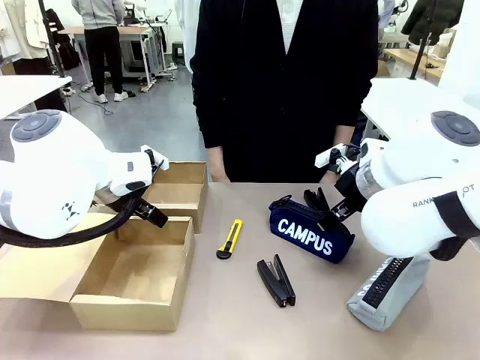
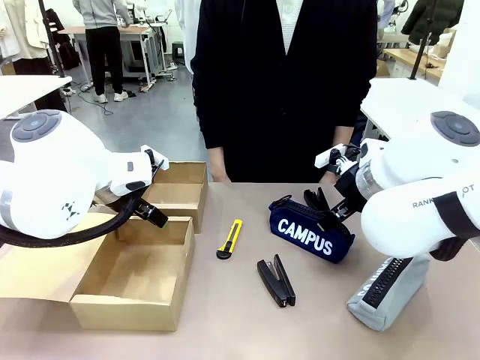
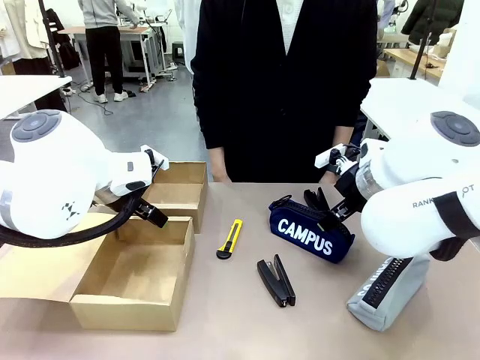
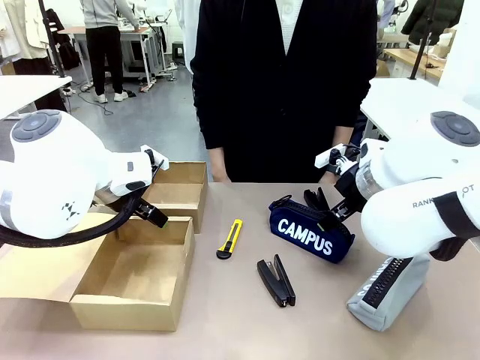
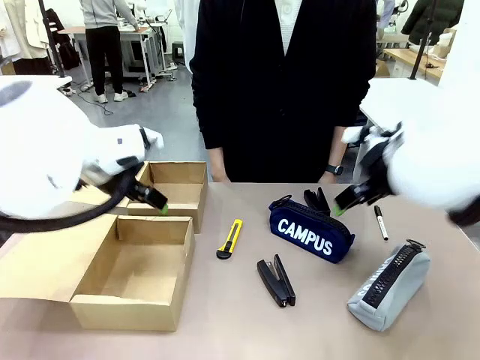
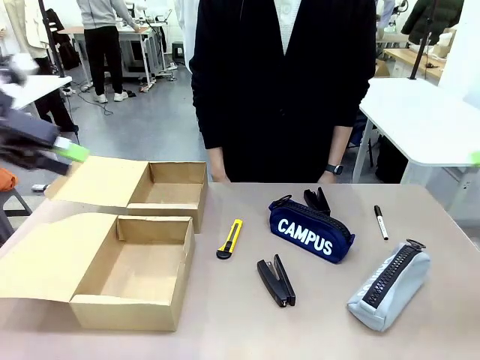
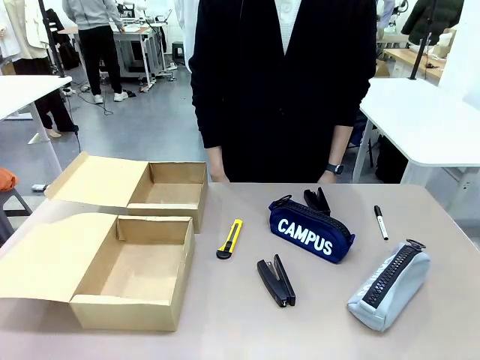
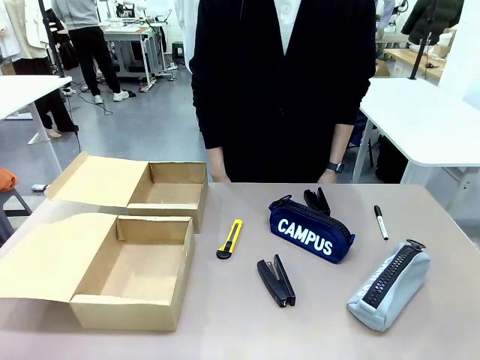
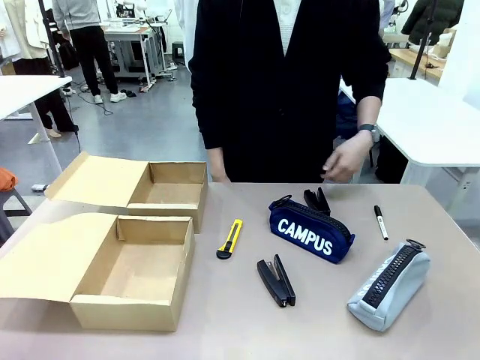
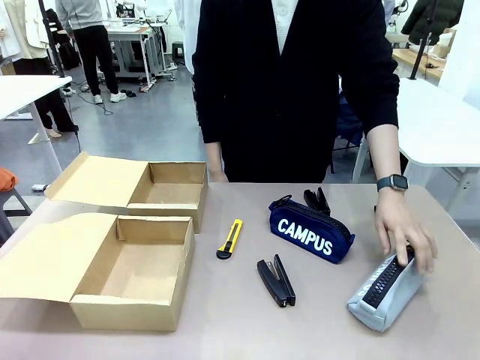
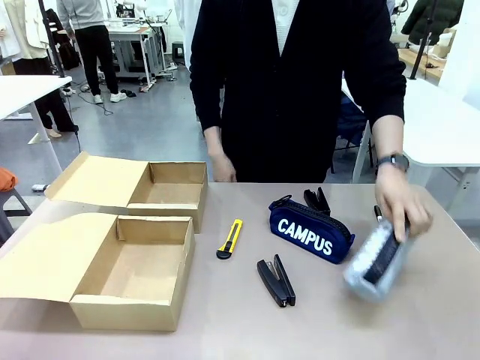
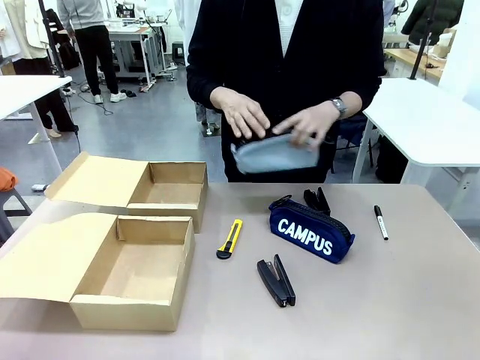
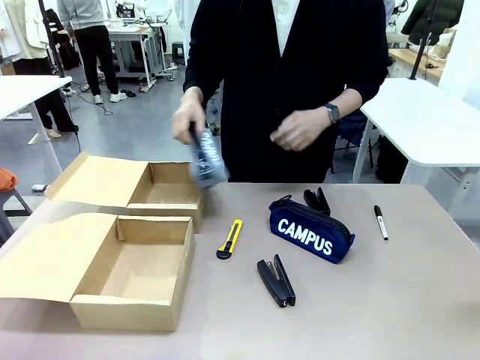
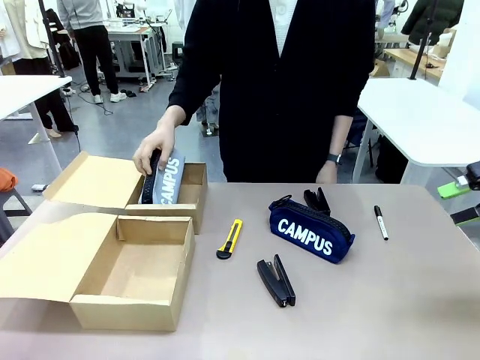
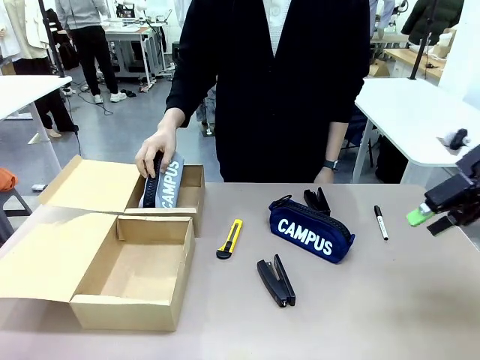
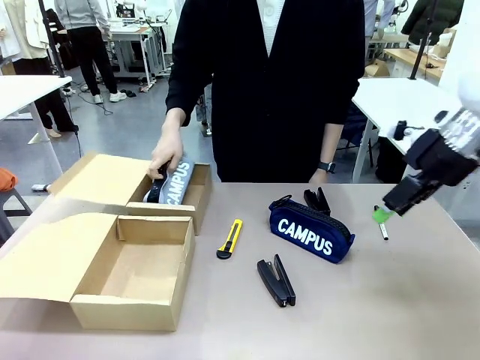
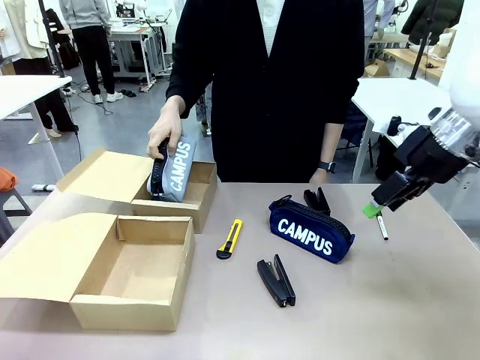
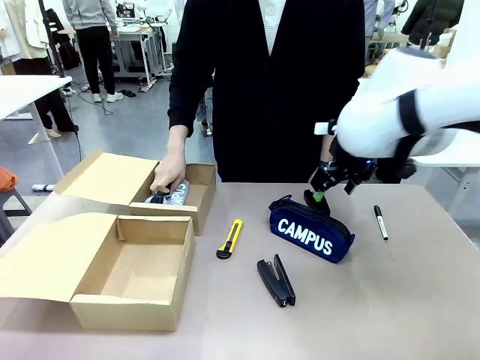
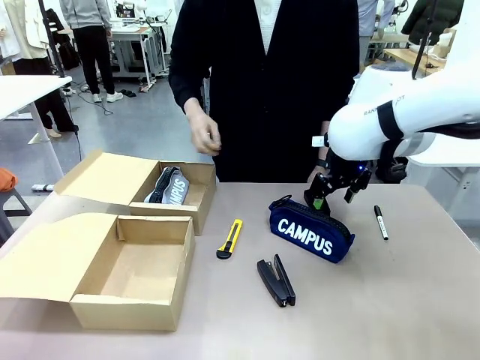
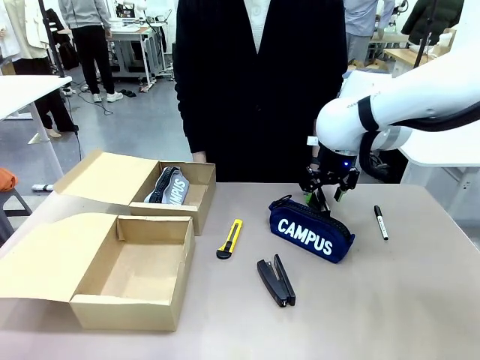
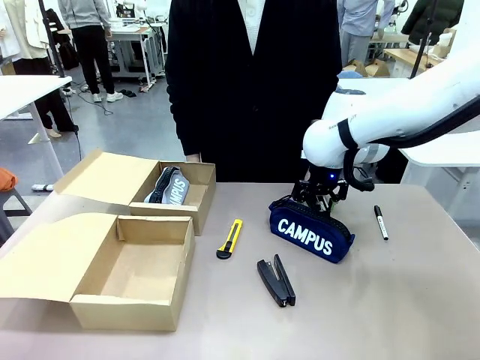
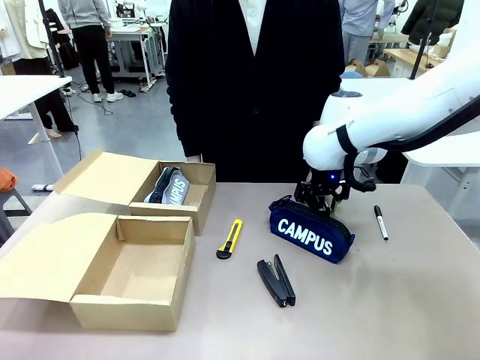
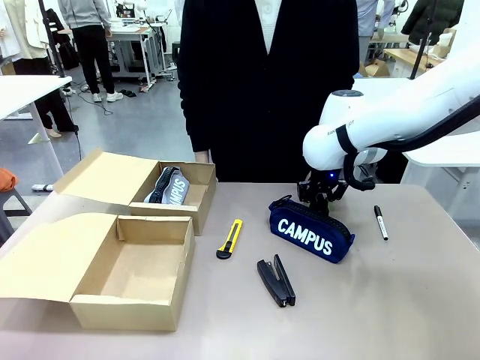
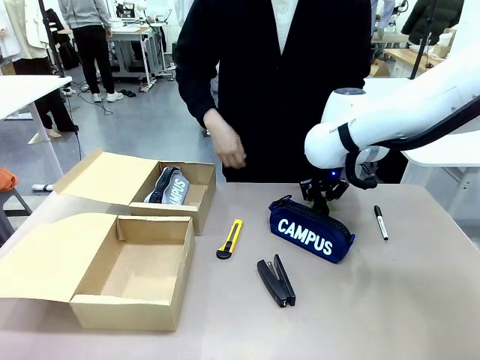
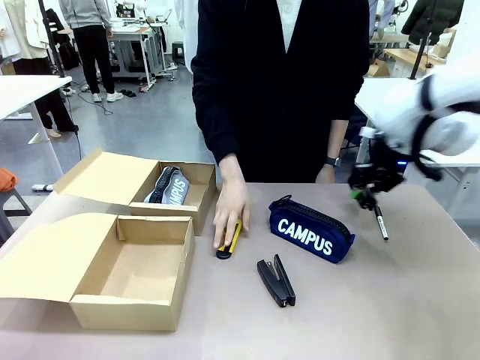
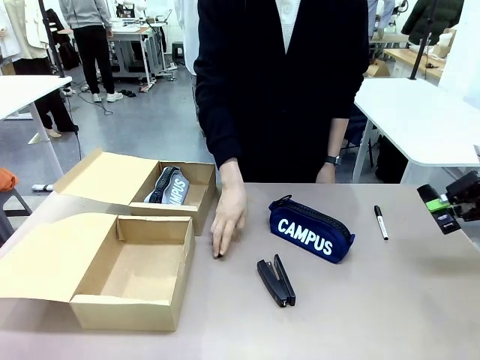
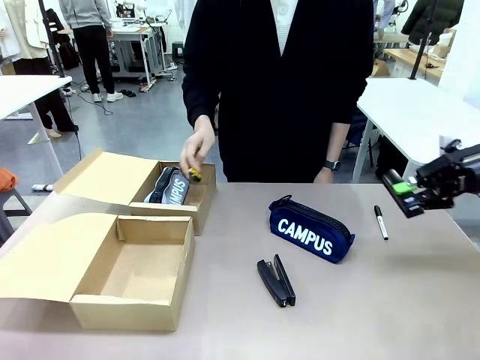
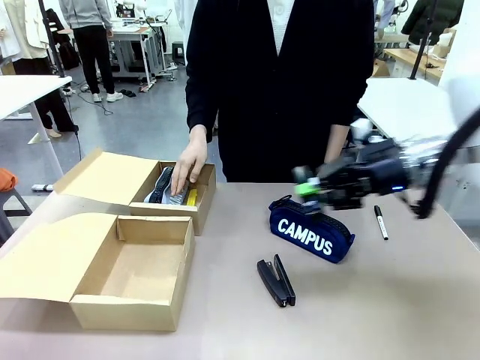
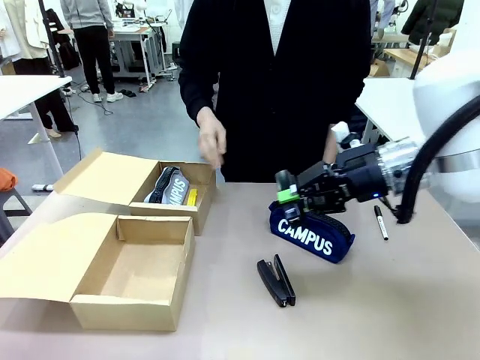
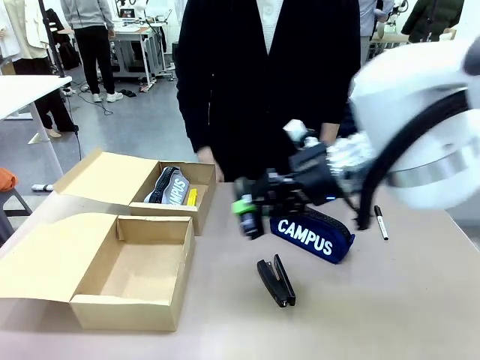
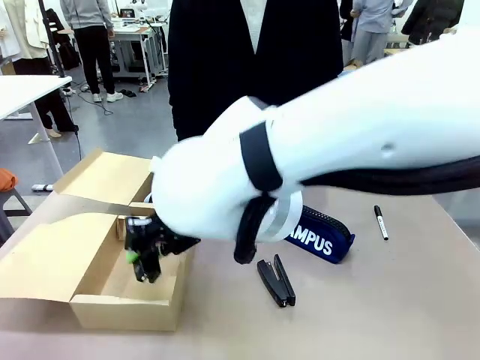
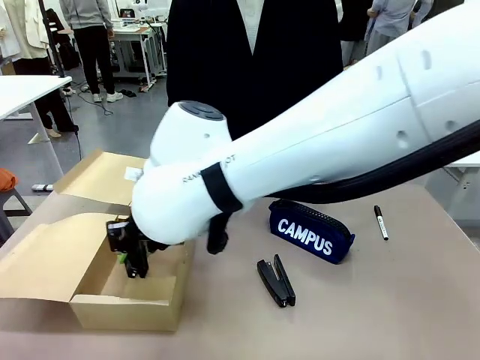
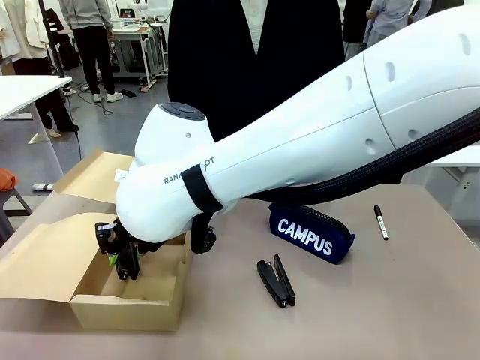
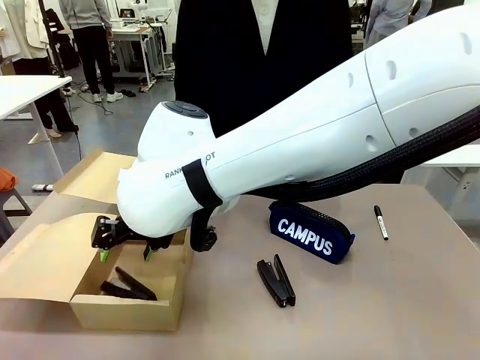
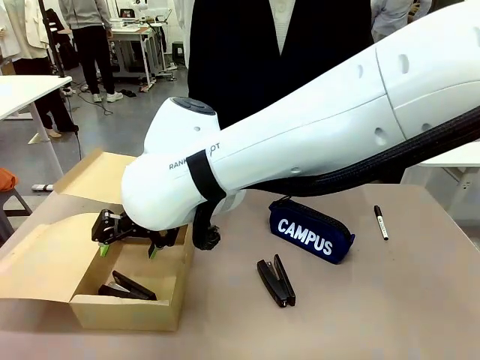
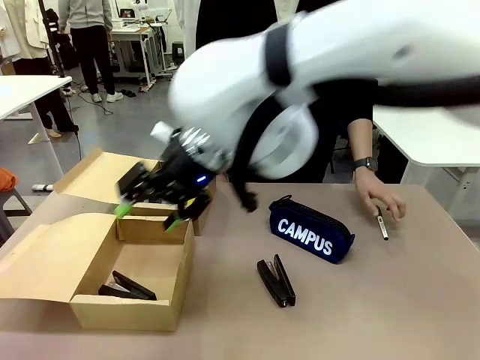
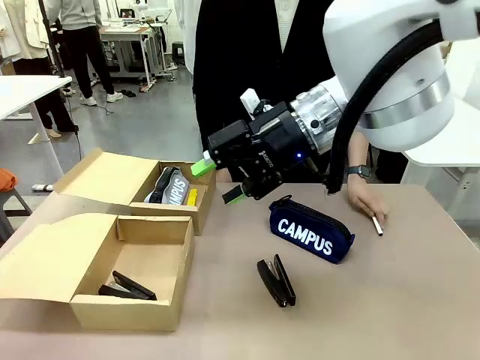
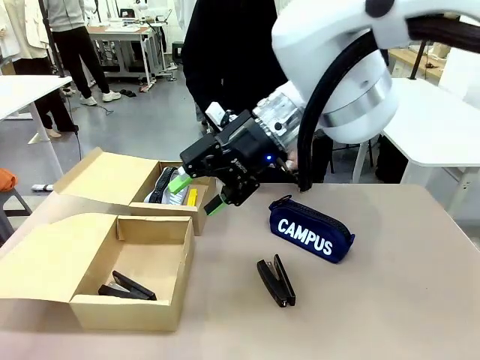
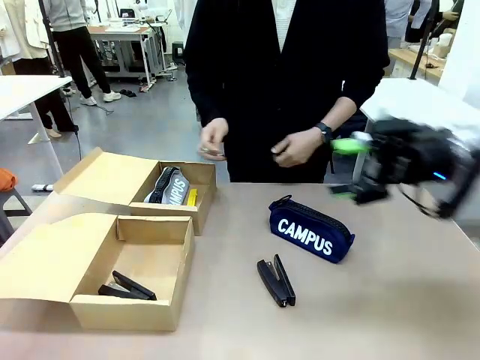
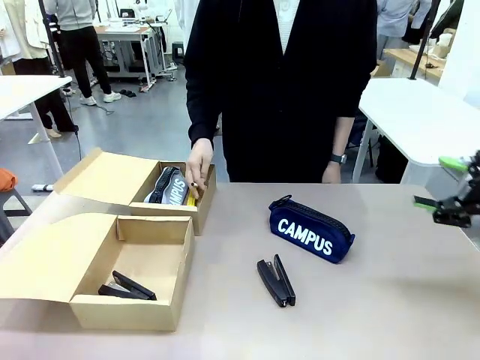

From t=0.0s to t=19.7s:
Task: Place items inside the box.
Robot: Pick up a Pencil pouch or Stapler and place it inside the Mailer Box closest to the robot.
Person: Pick up an object on the table and put it in the box.
